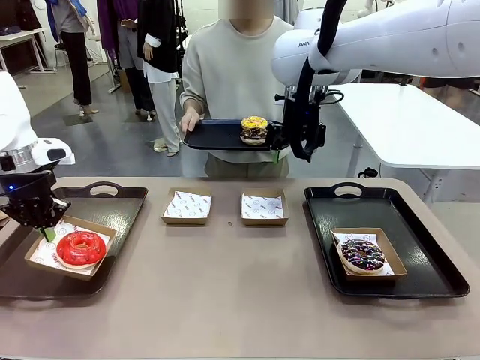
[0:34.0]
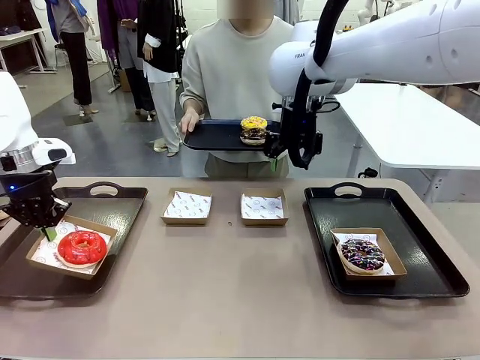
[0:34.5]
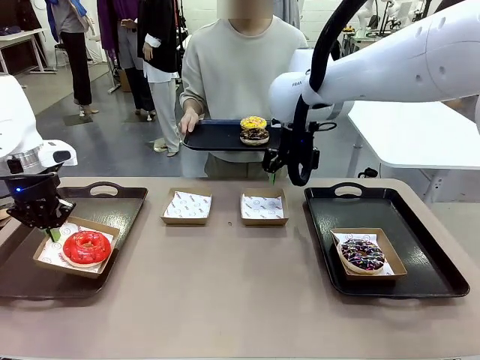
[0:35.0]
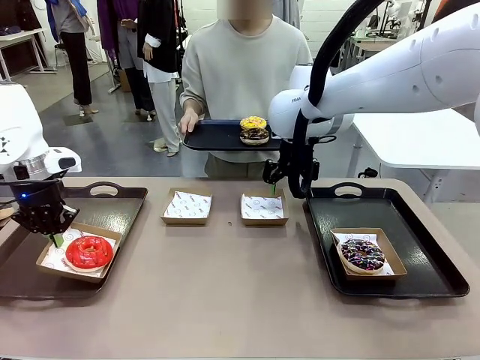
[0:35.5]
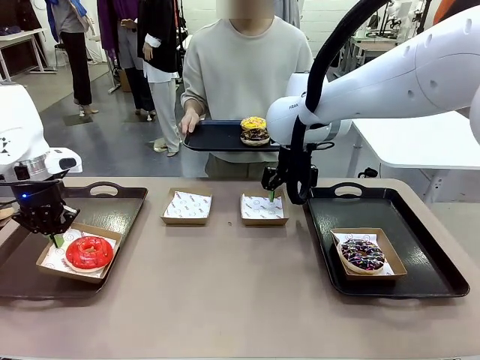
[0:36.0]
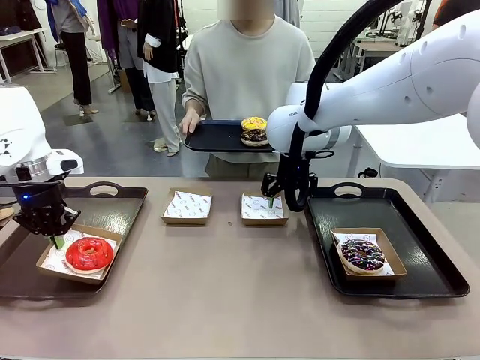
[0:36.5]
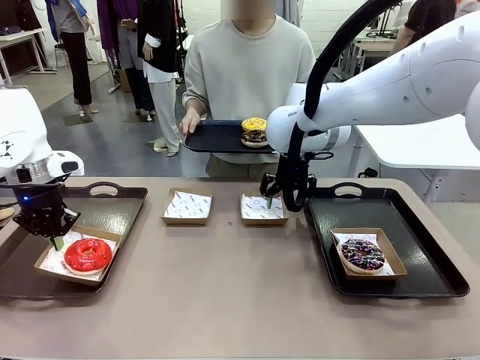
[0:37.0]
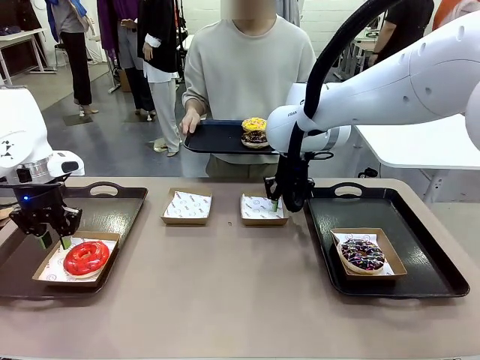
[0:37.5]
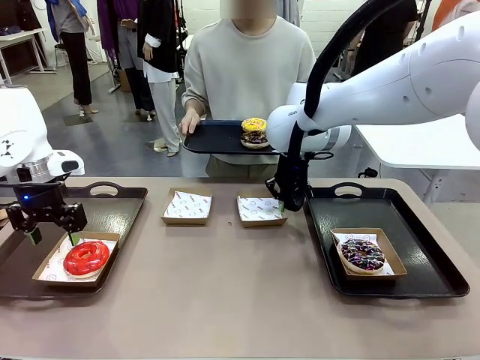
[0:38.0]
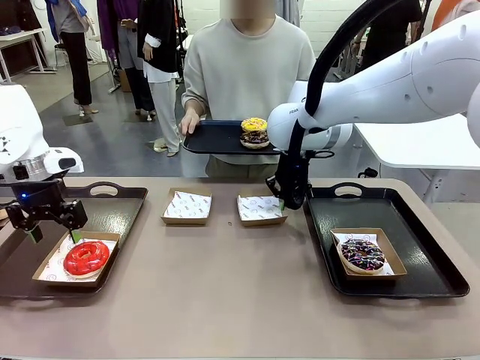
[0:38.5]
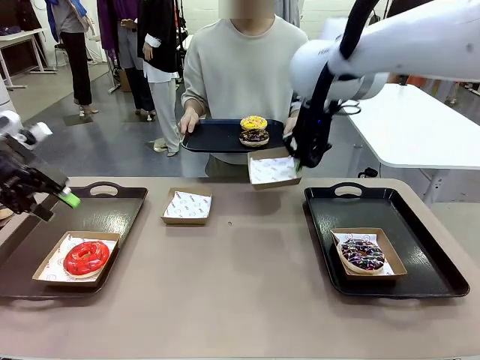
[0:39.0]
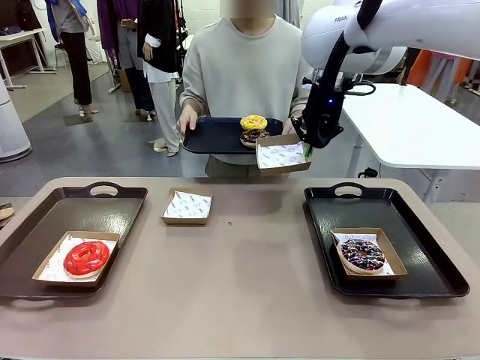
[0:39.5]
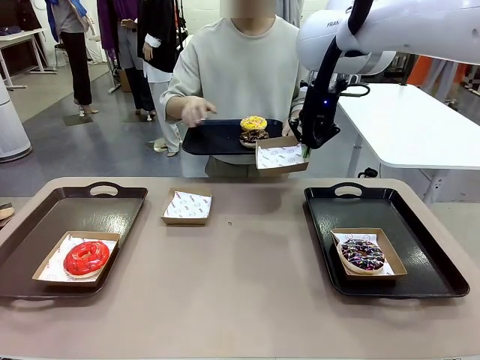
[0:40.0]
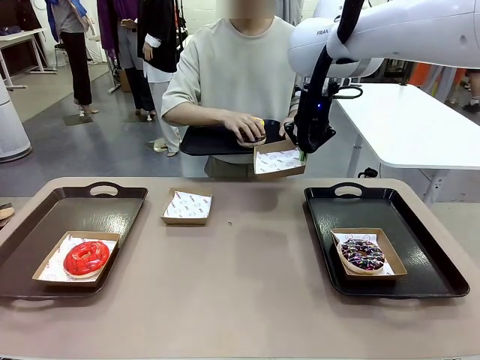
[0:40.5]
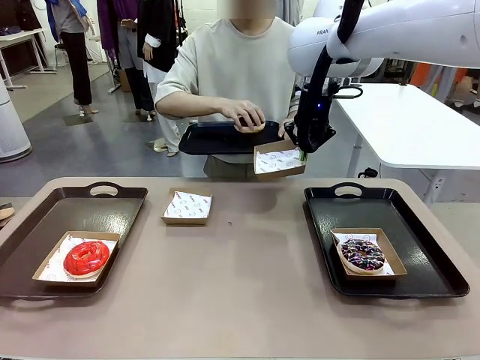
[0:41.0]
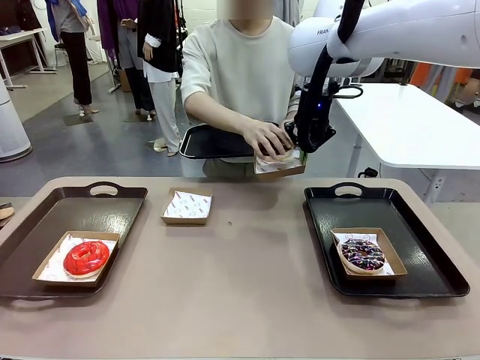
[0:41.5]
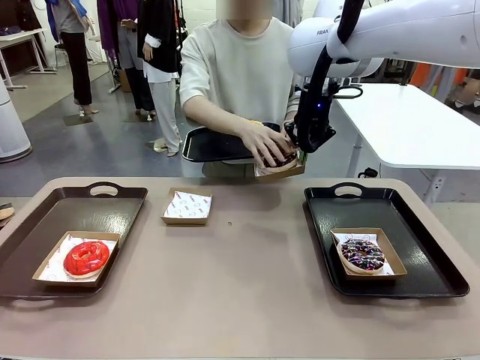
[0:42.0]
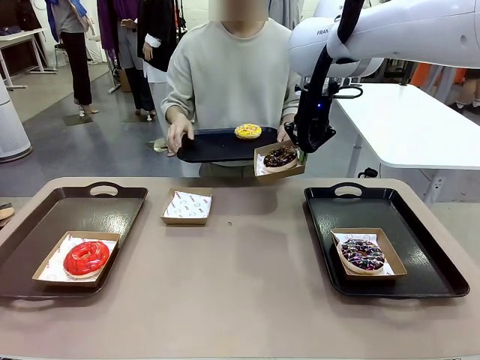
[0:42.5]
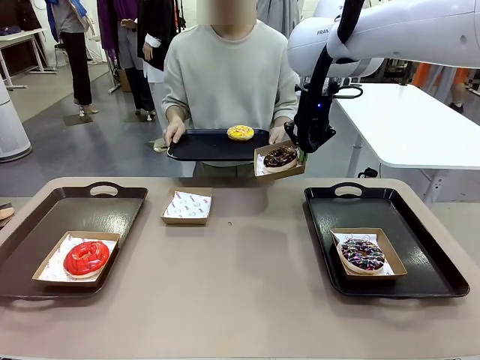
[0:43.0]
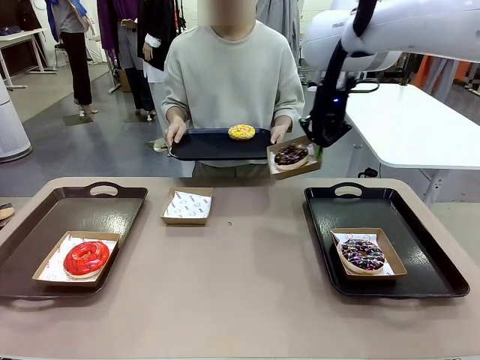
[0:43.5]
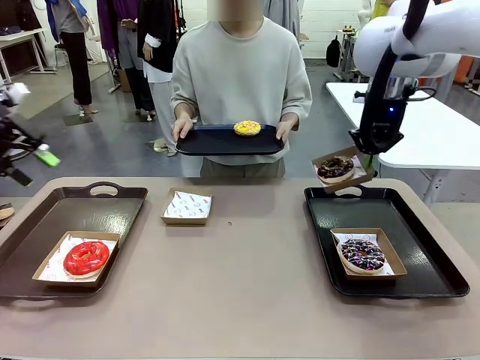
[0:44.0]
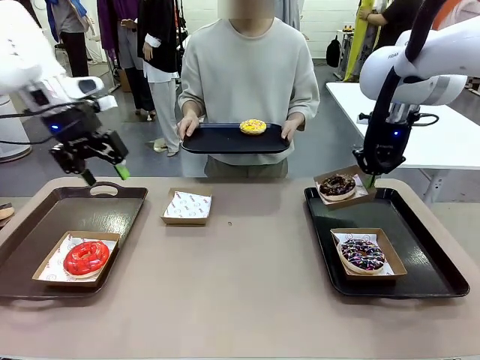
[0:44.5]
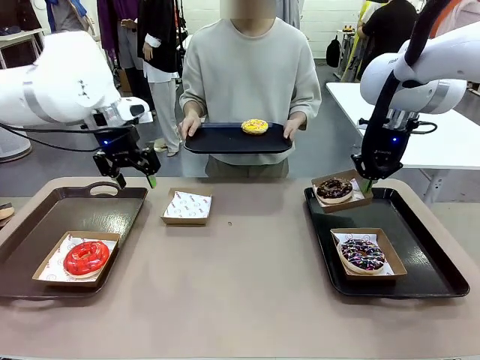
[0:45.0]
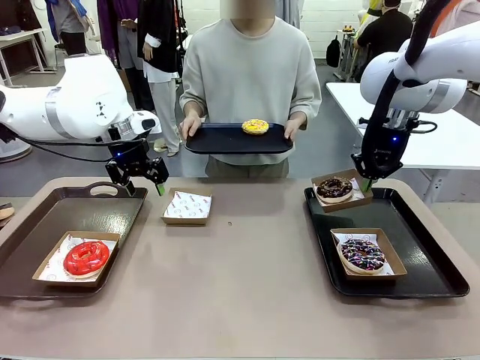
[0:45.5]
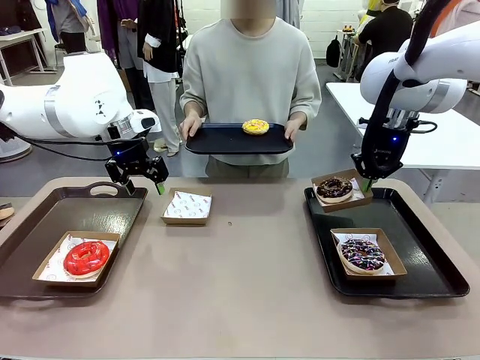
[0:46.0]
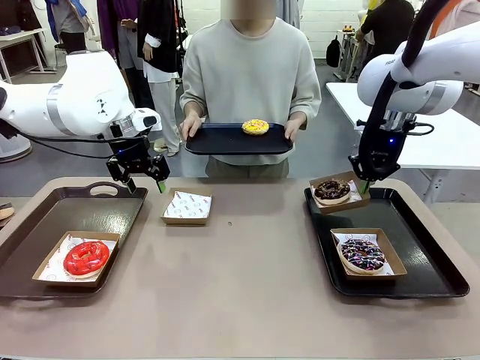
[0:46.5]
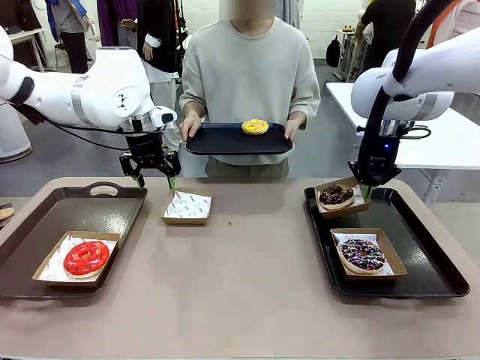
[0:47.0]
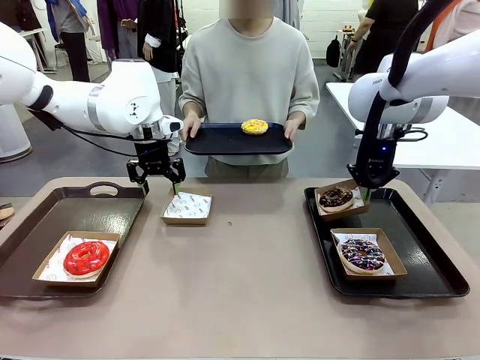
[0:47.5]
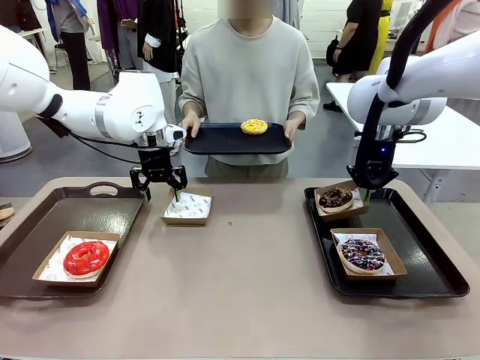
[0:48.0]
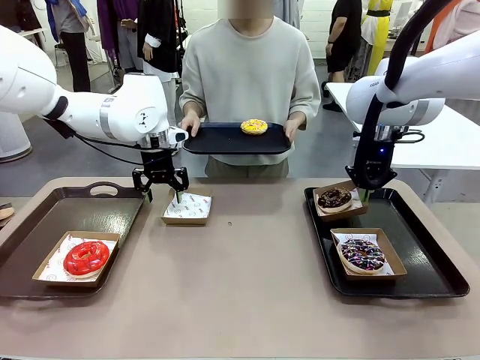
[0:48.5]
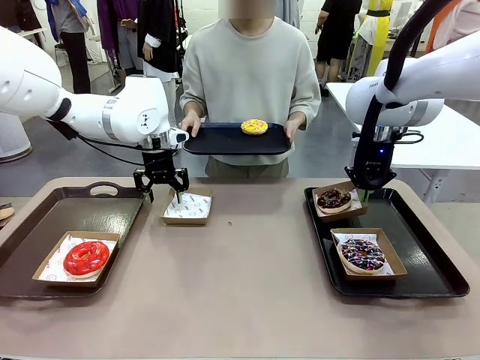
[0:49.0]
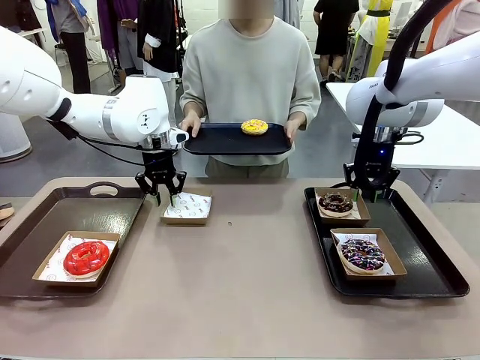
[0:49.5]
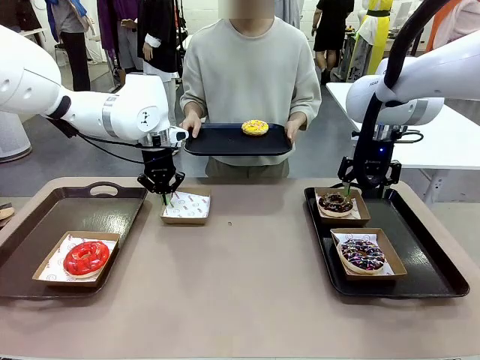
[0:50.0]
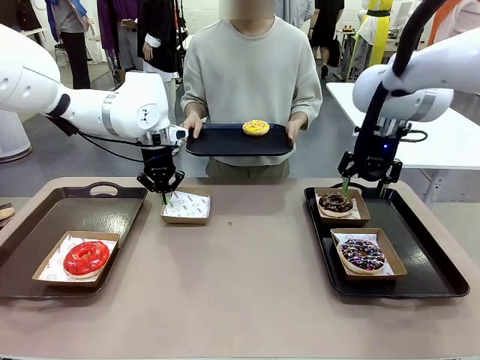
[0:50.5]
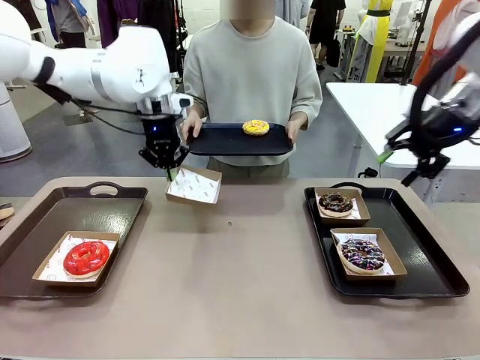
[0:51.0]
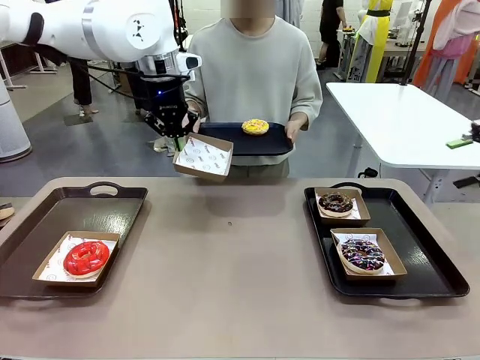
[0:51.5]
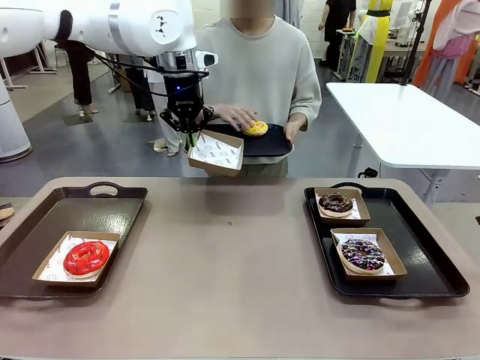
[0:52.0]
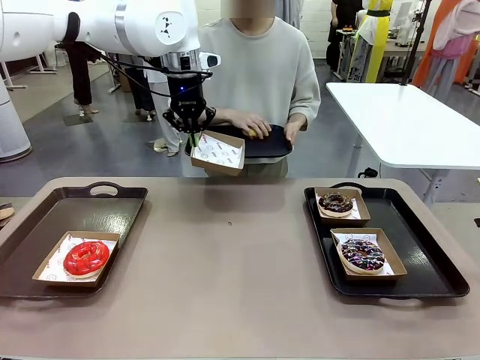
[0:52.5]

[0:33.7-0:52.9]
Task: Individually package the donuts and arrange them on the tray.
Robot: Place the picked Paper togo box on the Handle tray while simultaneously picking up another Paper togo box from the table with the other hand.

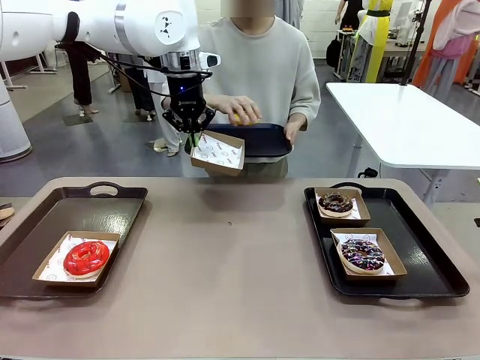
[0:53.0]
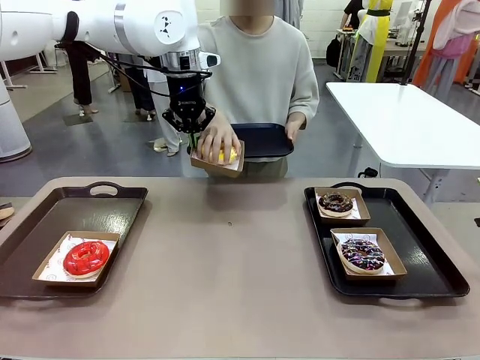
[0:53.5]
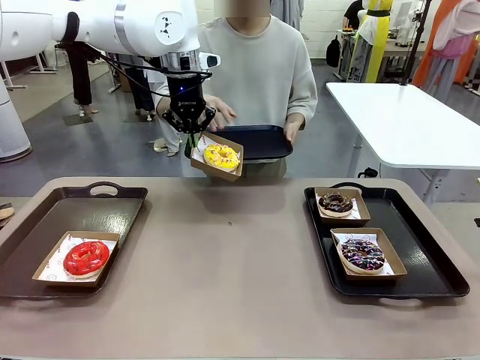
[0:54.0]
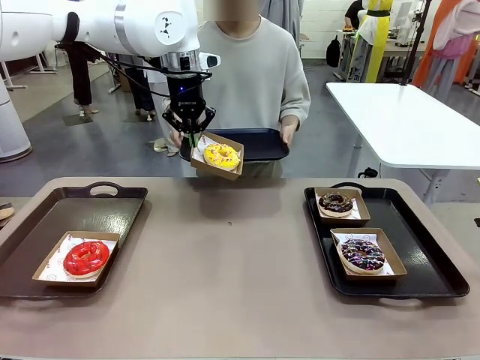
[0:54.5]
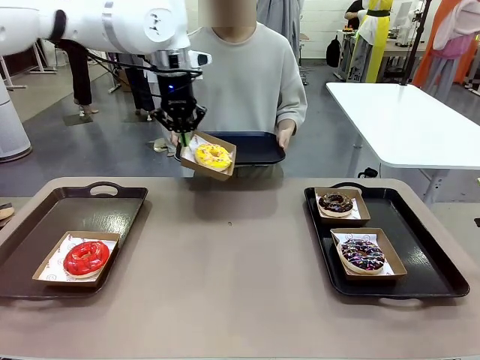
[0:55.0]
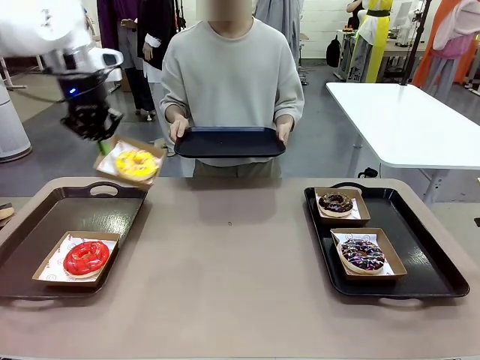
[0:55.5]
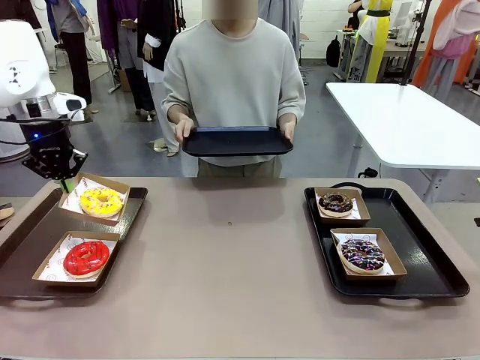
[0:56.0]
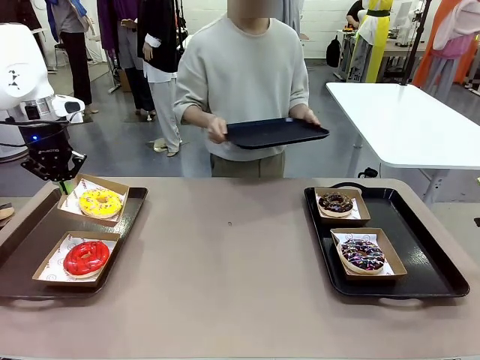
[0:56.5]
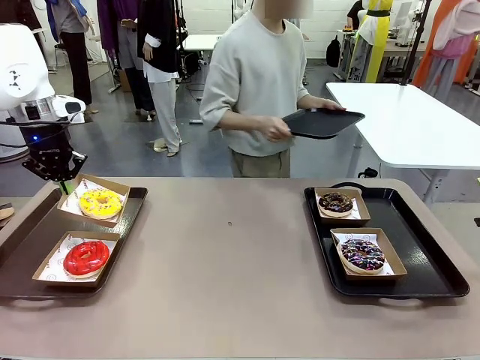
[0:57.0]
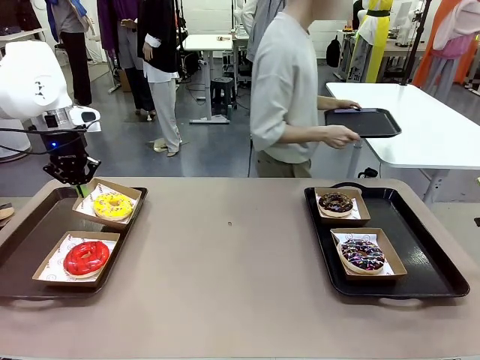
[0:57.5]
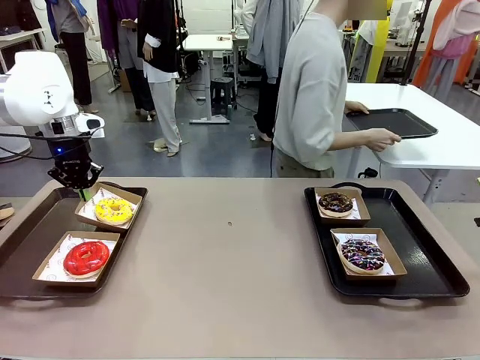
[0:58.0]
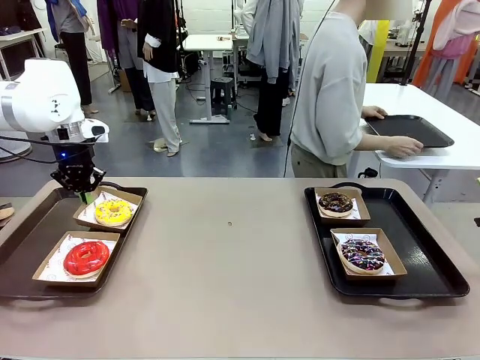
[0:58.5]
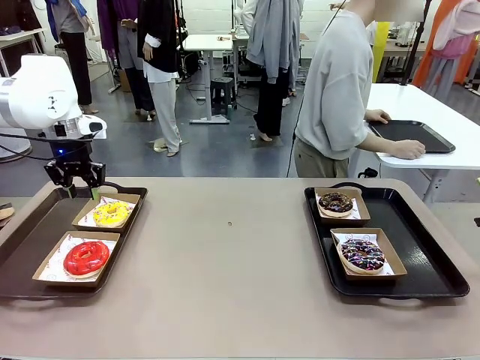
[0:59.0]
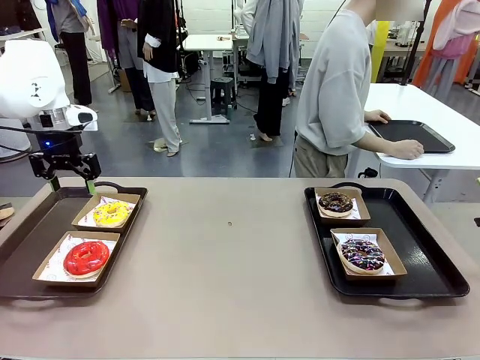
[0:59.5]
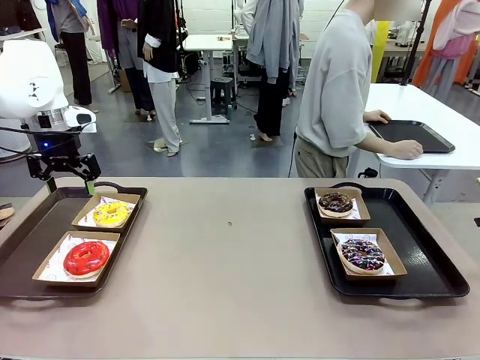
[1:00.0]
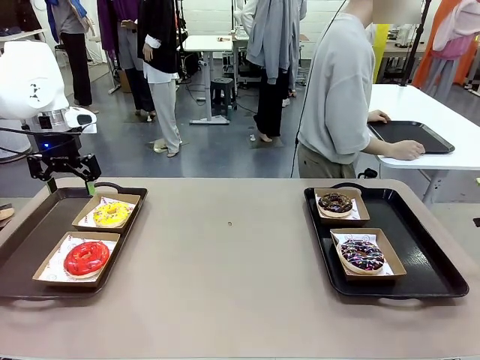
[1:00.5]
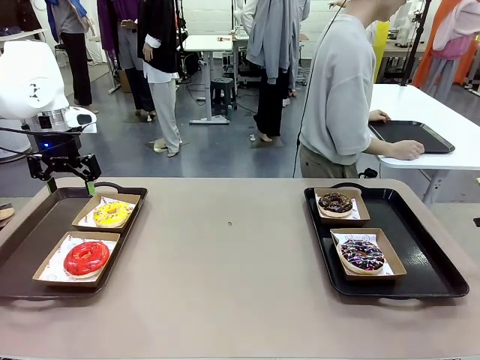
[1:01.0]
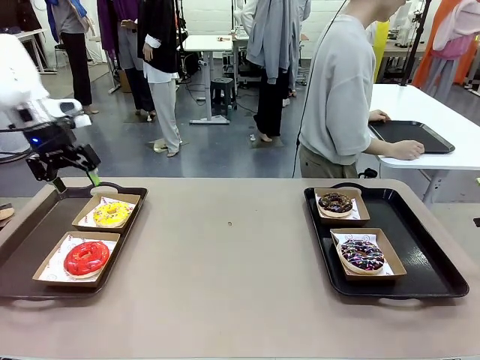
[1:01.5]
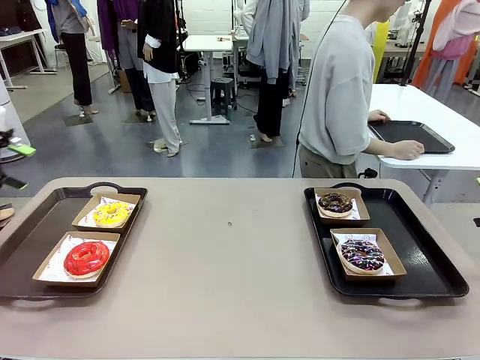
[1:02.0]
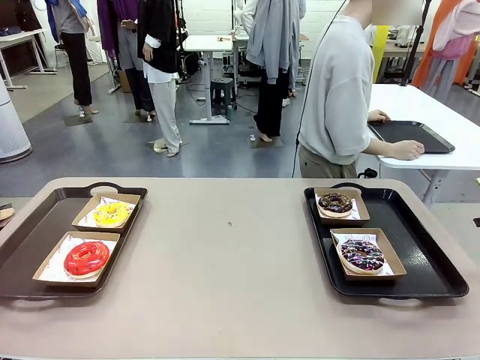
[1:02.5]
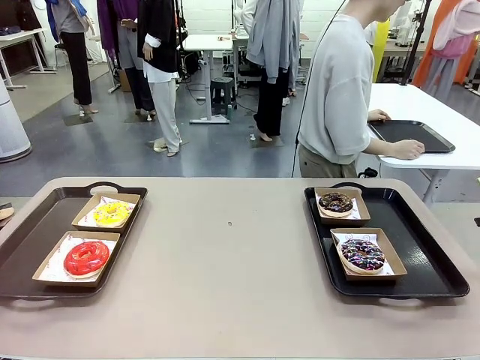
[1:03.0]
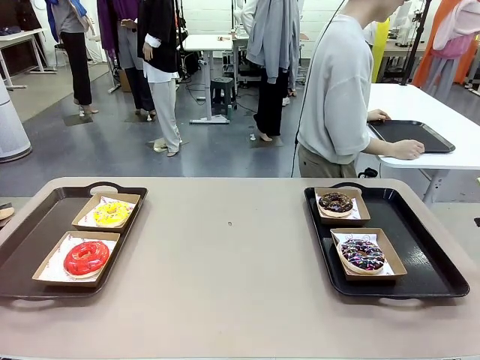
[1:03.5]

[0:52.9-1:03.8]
Robot: Place the picked Paper togo box on the Handle tray.
Person: Place the tray down in the middle of the human table.
